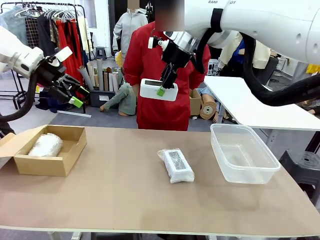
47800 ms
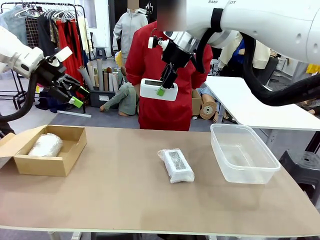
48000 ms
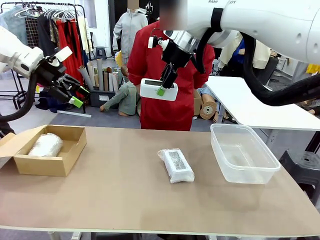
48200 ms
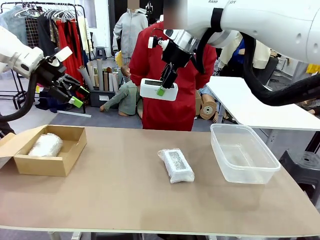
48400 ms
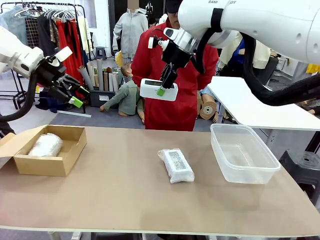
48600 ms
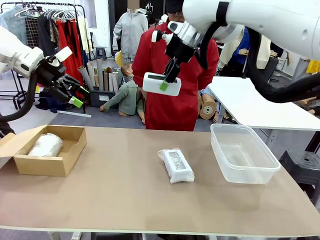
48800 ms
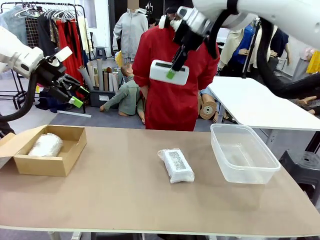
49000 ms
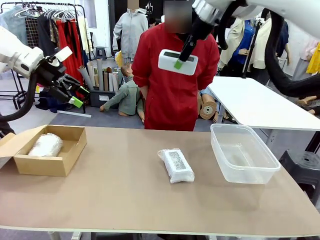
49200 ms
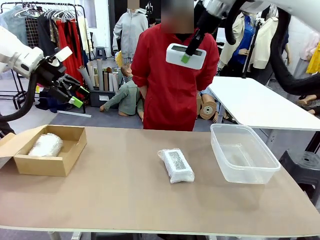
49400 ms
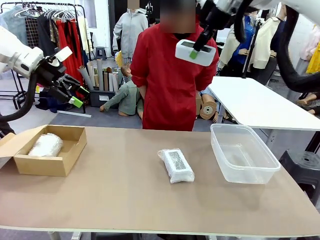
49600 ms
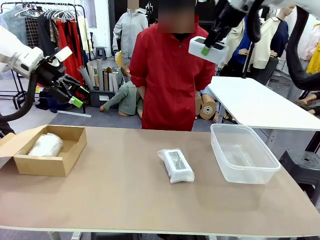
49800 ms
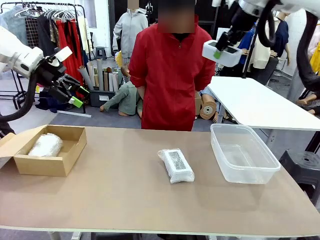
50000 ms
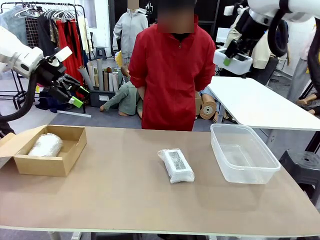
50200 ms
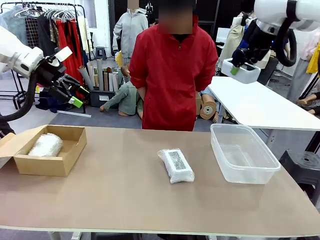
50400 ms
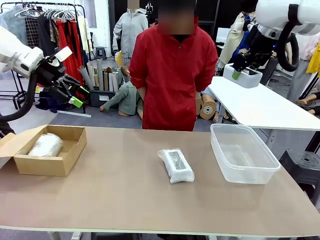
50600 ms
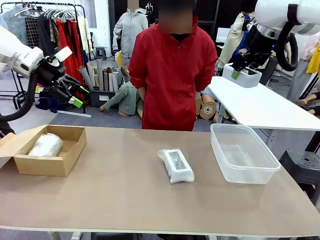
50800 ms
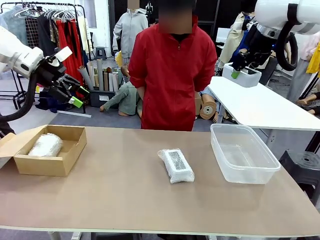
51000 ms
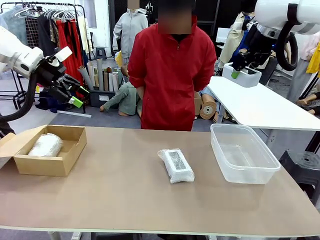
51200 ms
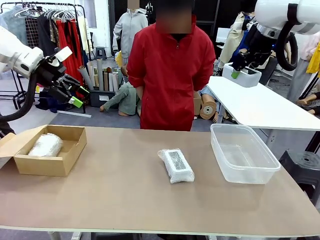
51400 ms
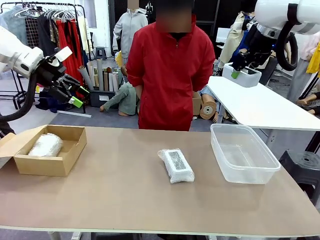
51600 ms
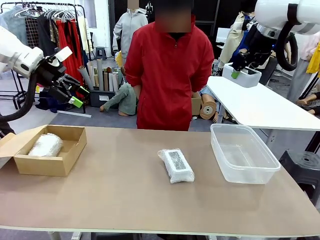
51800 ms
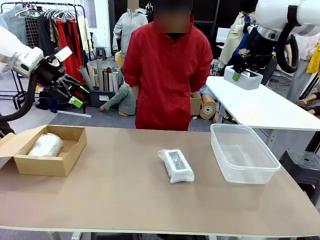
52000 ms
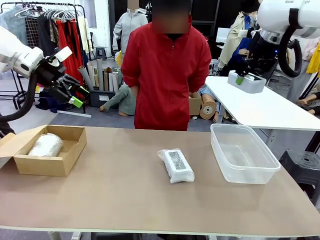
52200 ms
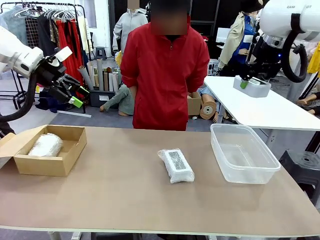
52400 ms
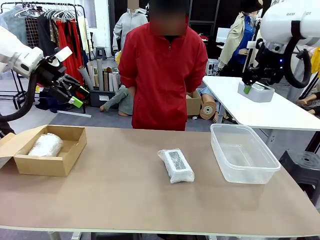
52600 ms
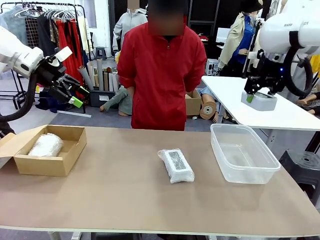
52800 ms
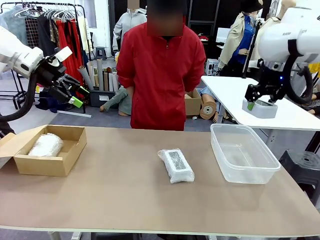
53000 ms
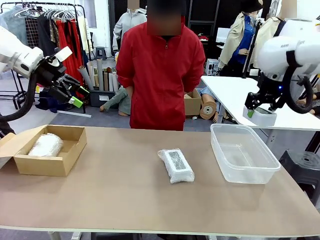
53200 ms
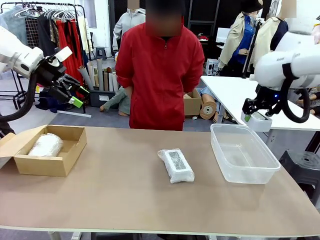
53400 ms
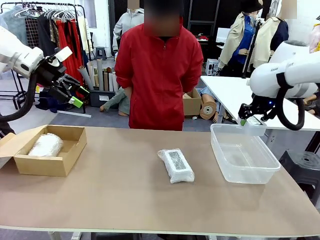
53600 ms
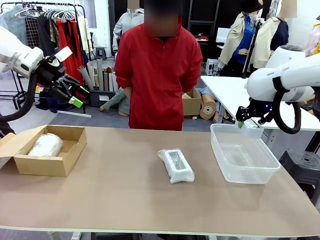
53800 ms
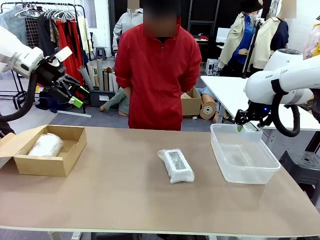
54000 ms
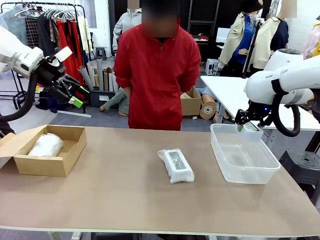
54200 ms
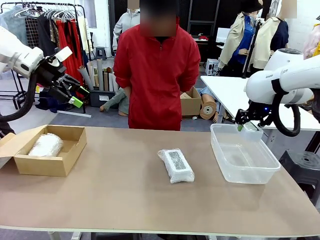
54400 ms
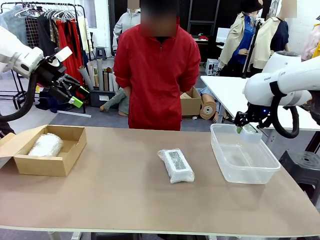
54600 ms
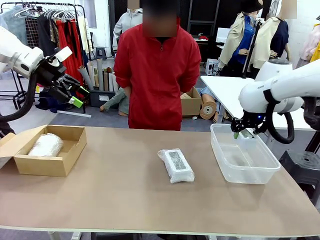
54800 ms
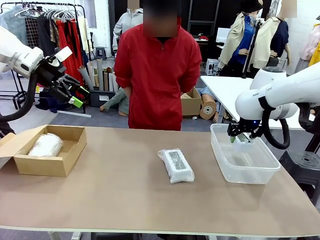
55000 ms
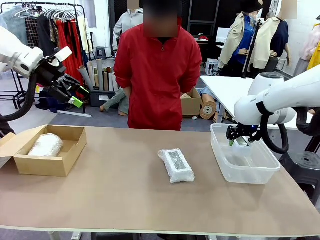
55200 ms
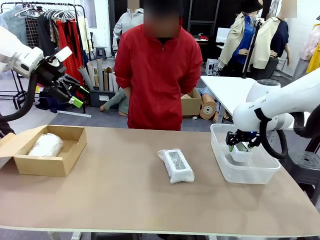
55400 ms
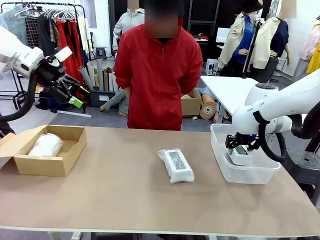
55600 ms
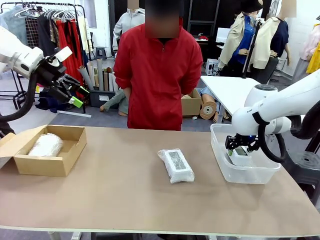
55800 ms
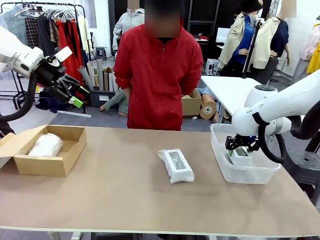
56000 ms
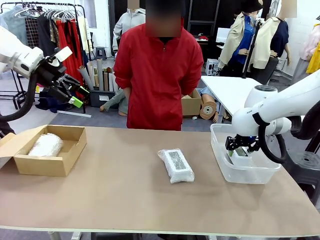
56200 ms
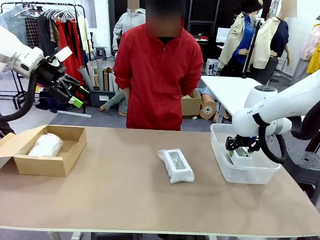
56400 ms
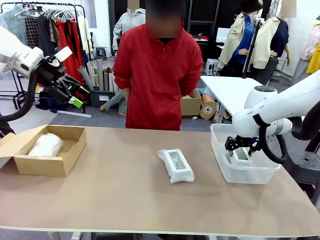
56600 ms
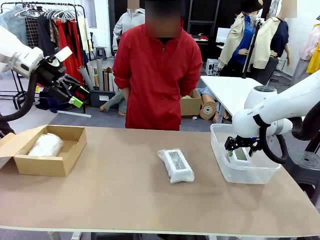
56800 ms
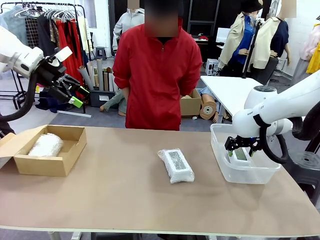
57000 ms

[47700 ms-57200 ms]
Task: Separate and place wrapped and unwrapped clocks.
Robot: If the picked Digital clock is wrapped, place it in the Package Box ; if not, place it in the Organizing box.

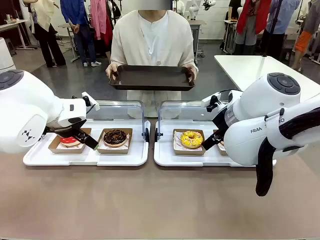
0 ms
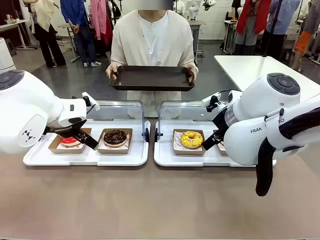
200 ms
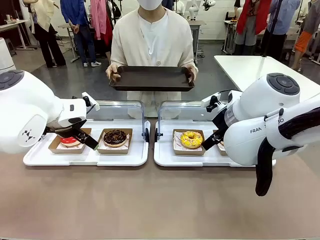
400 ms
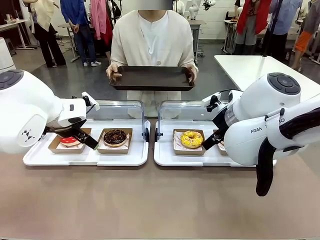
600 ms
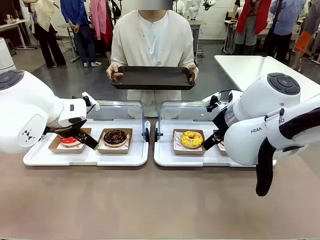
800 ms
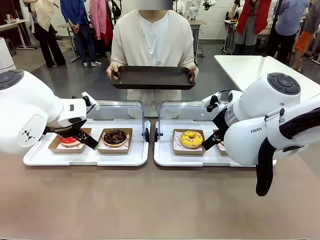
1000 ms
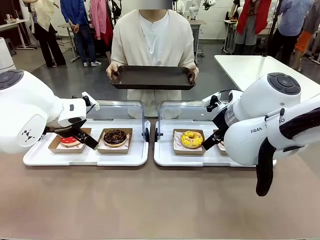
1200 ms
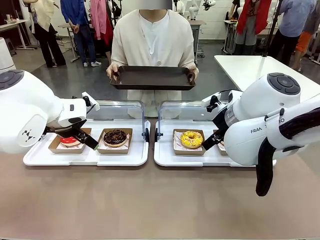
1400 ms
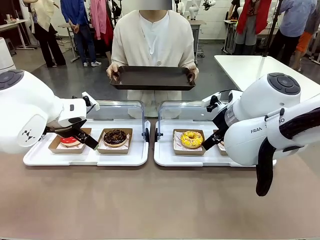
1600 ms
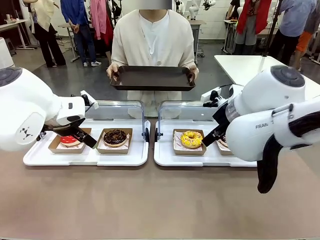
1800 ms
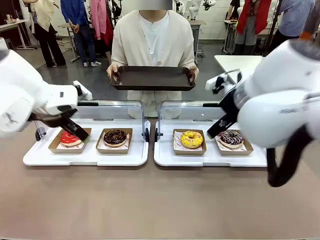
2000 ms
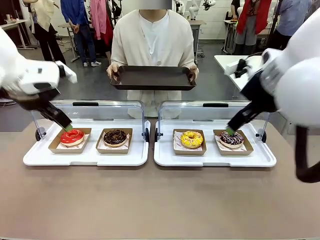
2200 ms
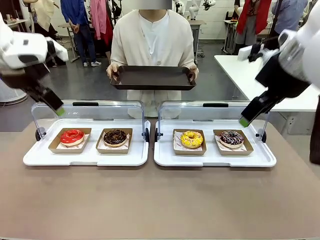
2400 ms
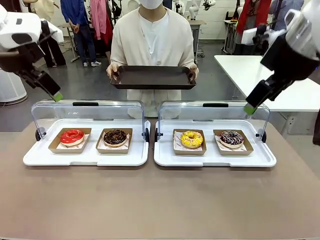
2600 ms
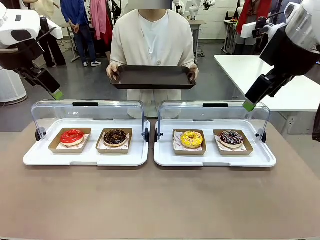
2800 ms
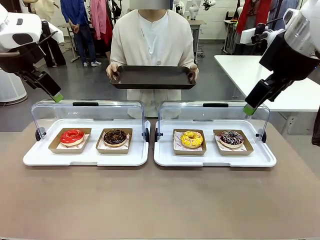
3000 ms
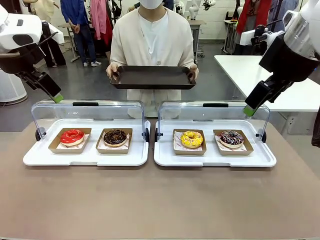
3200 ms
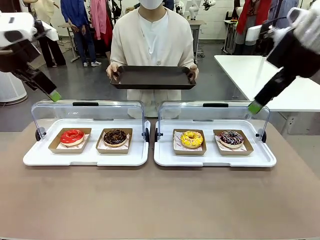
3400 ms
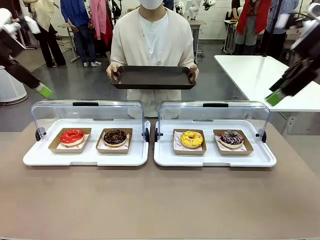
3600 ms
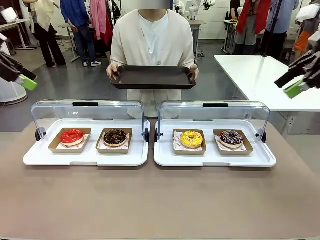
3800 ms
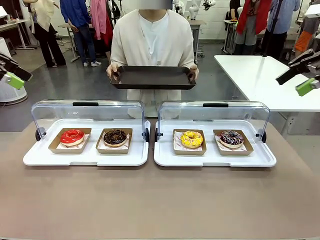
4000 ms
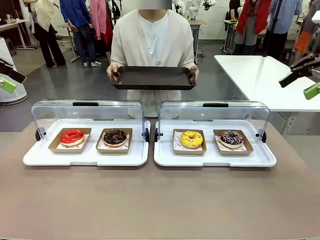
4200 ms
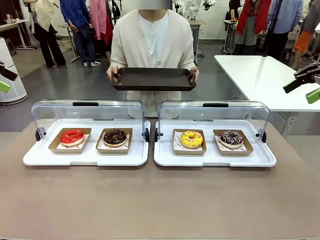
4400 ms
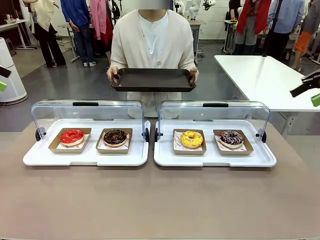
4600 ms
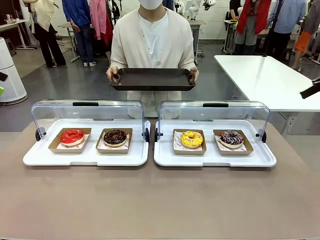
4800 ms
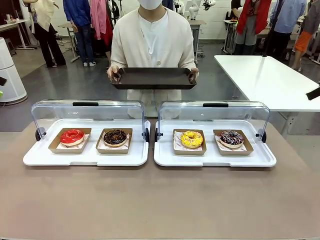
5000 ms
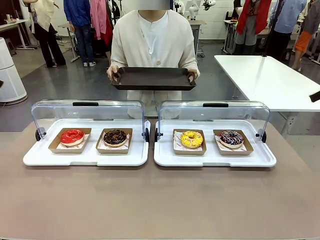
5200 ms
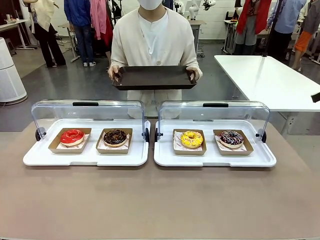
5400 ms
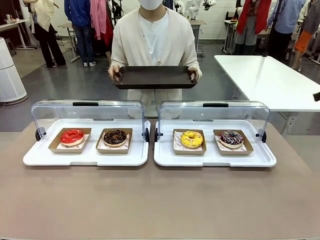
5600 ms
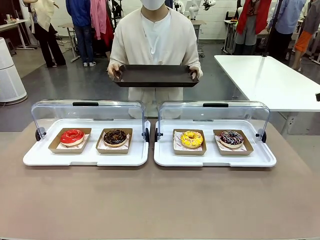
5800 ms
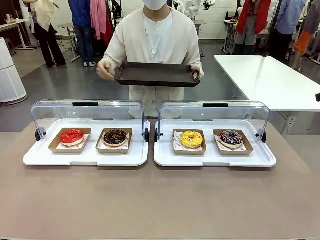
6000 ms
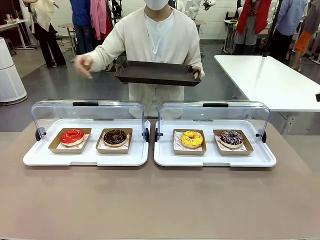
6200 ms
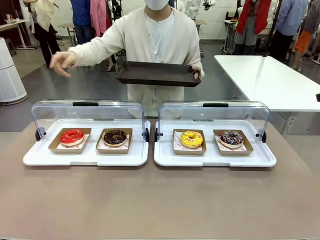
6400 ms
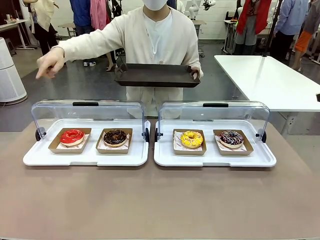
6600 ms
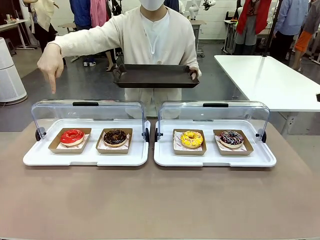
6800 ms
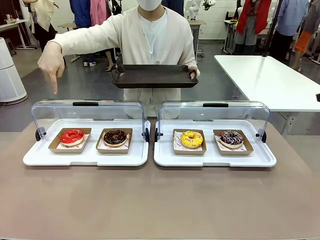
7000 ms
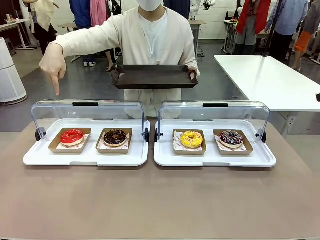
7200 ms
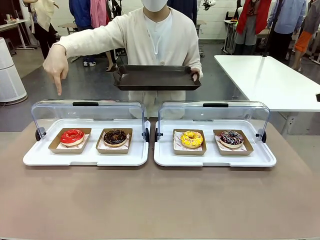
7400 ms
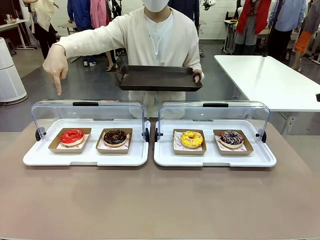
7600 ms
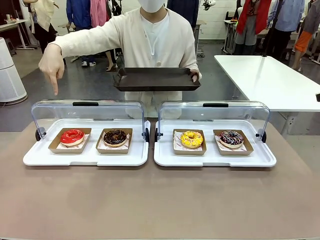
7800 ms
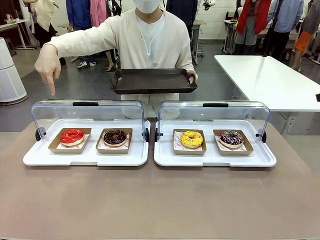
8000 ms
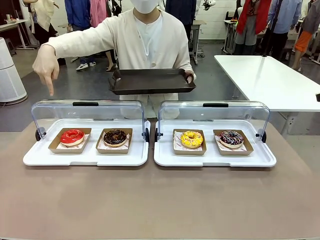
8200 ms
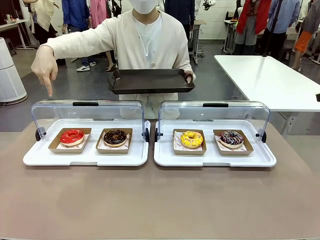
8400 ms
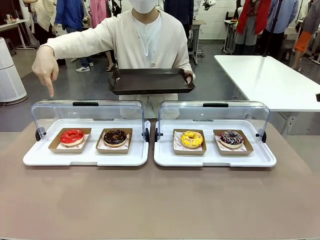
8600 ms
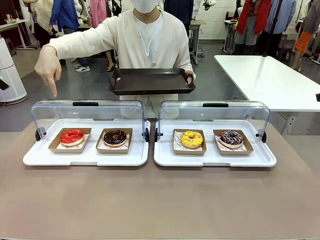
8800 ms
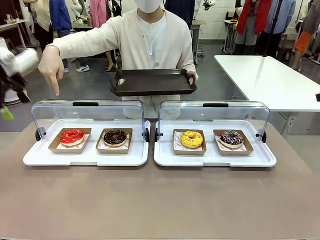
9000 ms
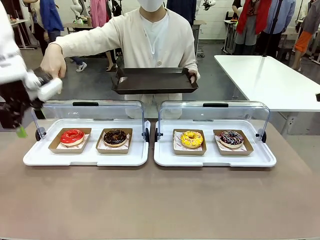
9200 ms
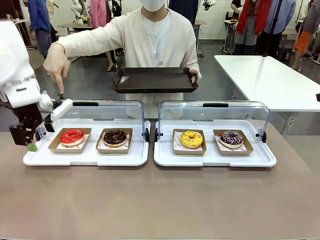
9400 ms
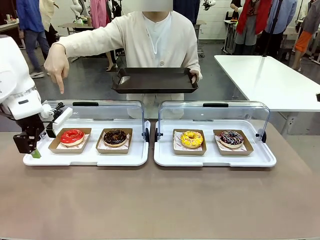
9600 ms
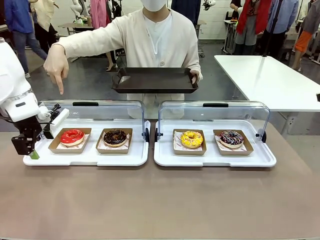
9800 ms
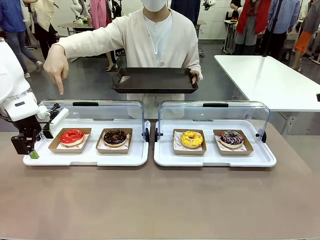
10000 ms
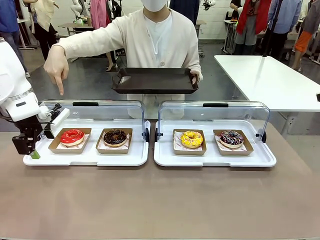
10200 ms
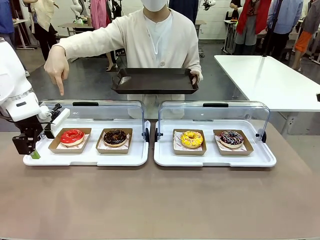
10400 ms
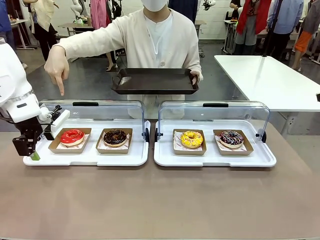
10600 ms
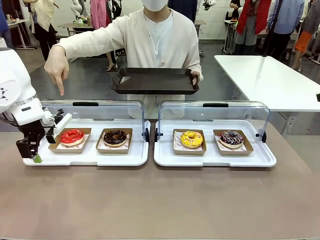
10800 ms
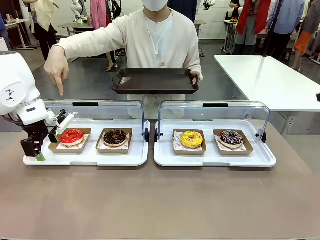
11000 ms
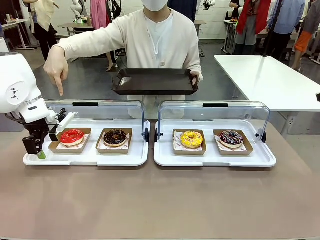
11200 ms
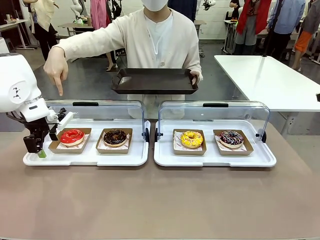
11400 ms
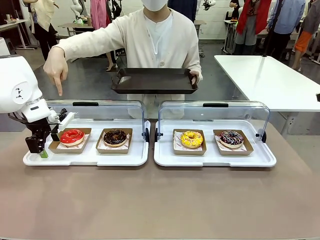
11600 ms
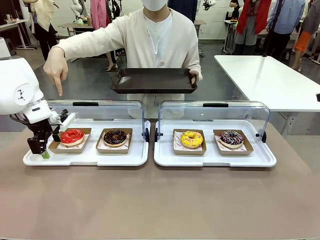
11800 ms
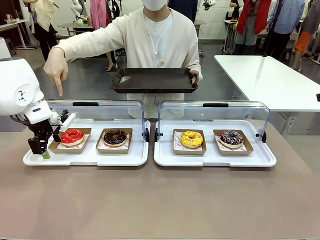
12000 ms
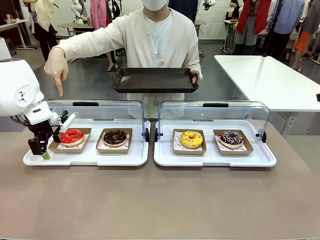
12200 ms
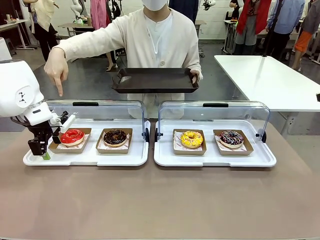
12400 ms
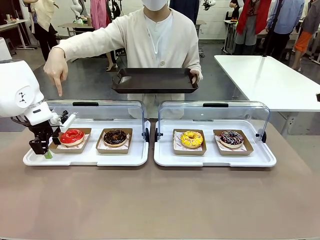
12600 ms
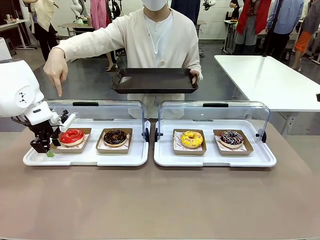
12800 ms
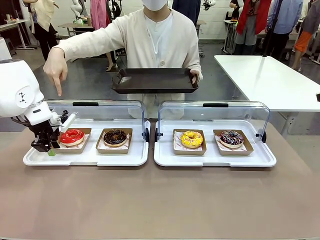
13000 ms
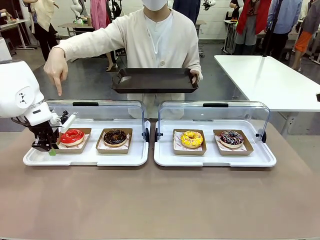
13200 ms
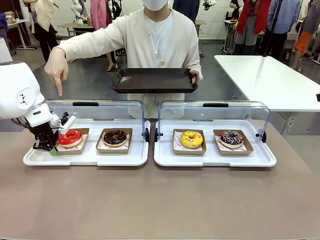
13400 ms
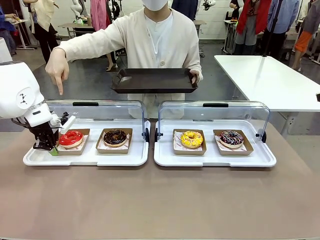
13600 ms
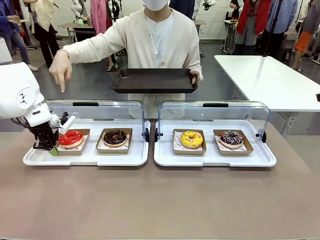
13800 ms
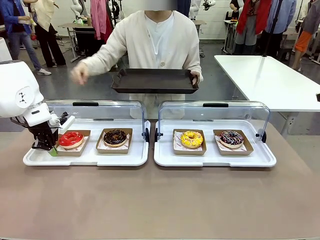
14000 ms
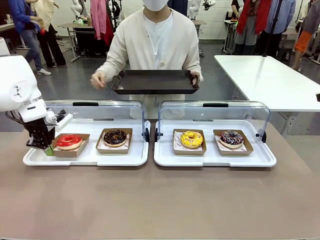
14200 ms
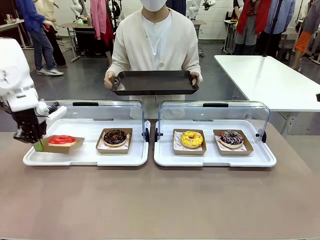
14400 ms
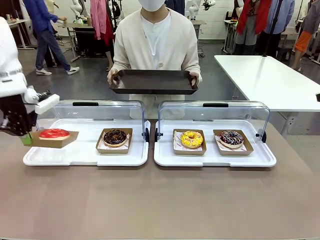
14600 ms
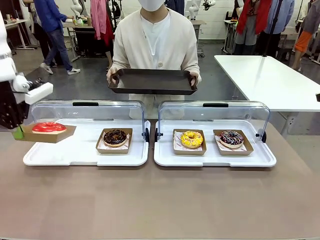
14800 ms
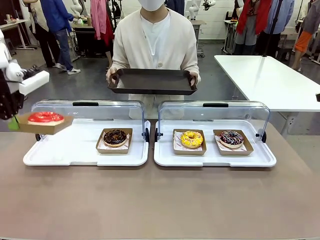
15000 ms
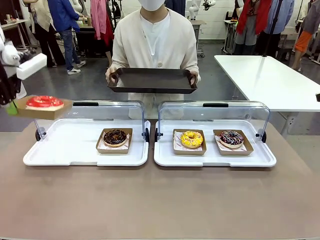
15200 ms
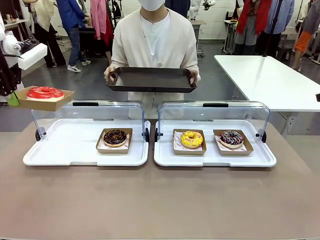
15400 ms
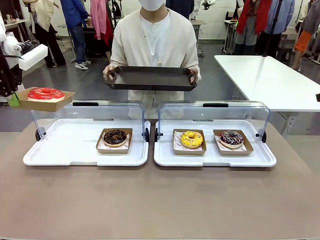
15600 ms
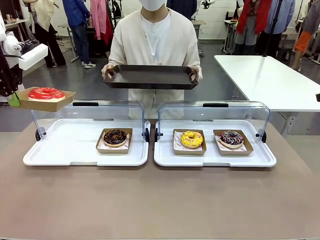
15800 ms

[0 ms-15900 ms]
Task: Provide the desired donut to the person.
Robot: Pick up and lift the Paper togo box containing the Donut pointed at by the person.
Person: Point to one donut. Lift the tray onto the Roll-Top Bakery Case.
